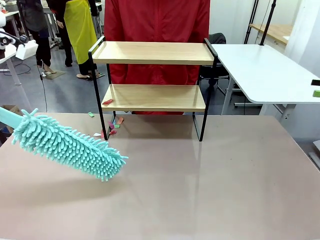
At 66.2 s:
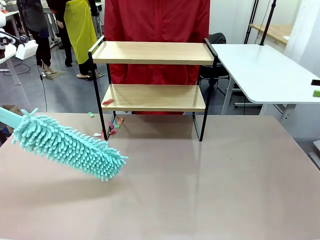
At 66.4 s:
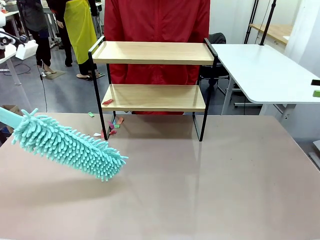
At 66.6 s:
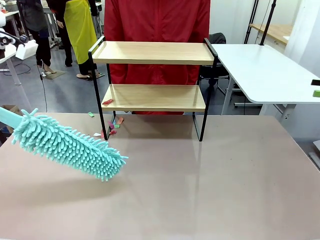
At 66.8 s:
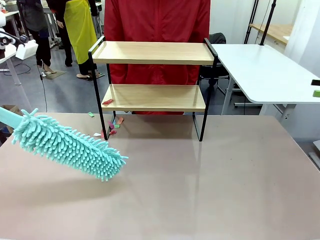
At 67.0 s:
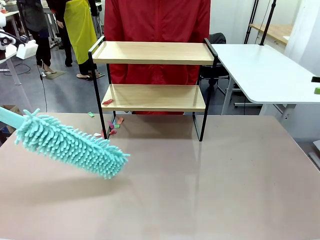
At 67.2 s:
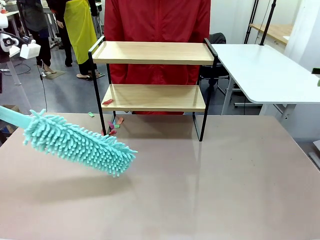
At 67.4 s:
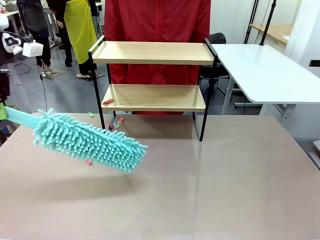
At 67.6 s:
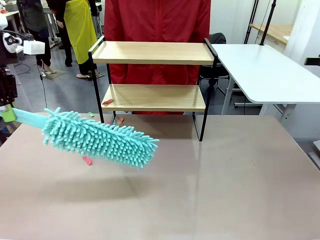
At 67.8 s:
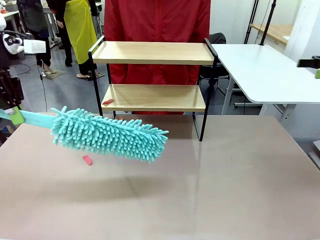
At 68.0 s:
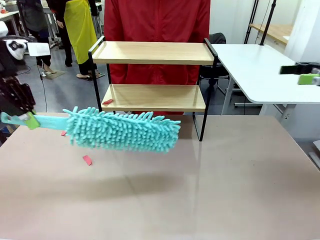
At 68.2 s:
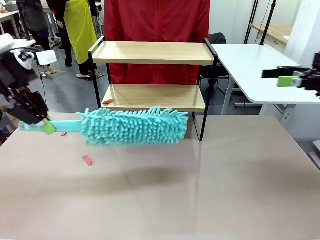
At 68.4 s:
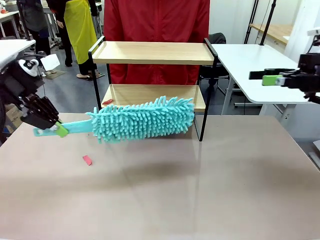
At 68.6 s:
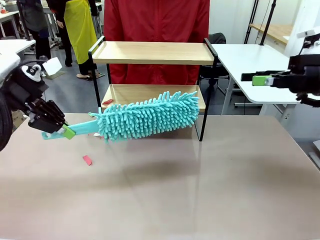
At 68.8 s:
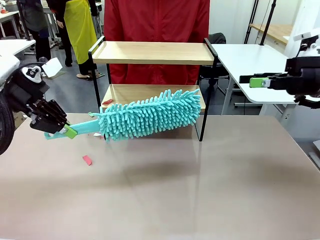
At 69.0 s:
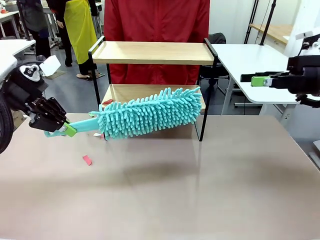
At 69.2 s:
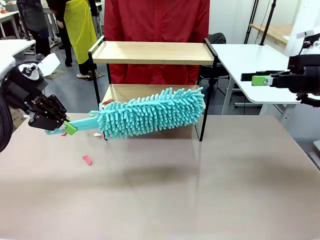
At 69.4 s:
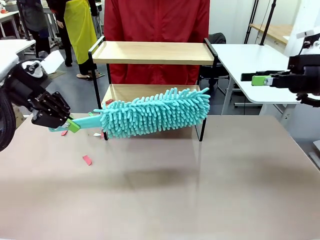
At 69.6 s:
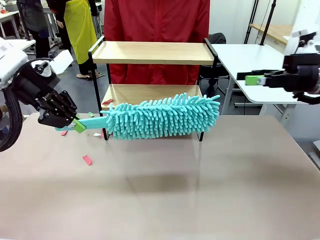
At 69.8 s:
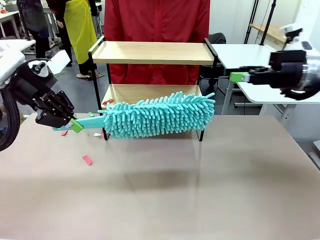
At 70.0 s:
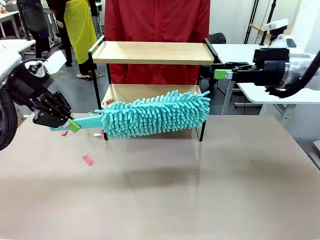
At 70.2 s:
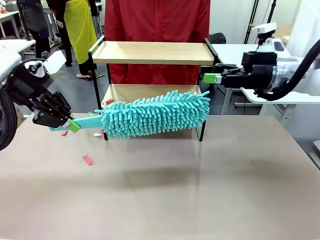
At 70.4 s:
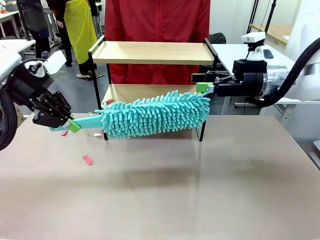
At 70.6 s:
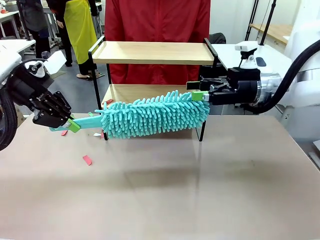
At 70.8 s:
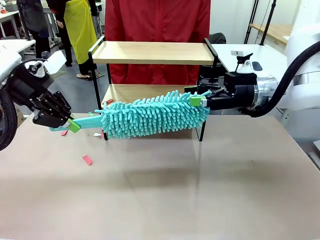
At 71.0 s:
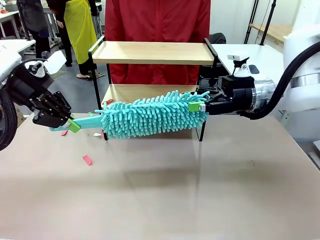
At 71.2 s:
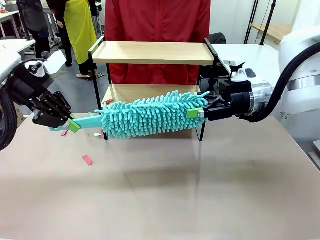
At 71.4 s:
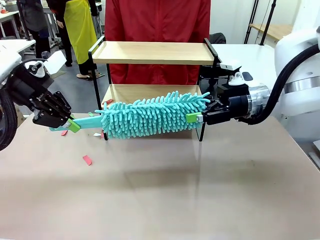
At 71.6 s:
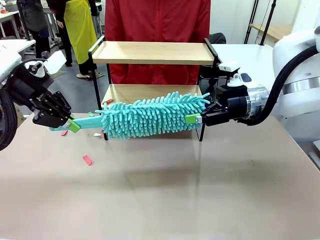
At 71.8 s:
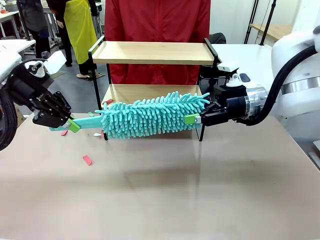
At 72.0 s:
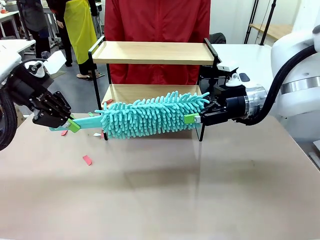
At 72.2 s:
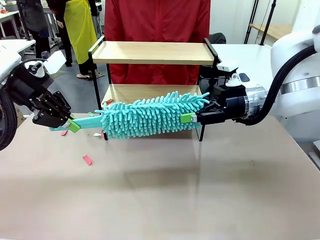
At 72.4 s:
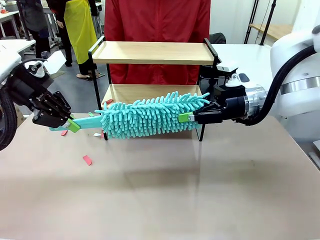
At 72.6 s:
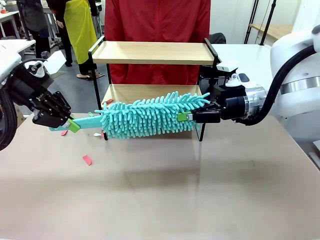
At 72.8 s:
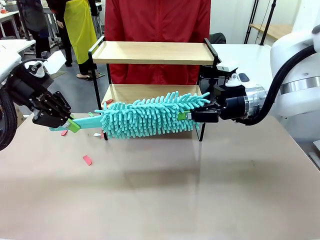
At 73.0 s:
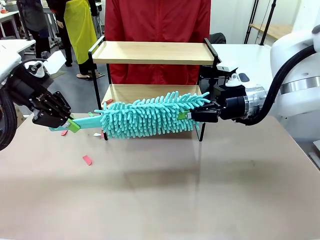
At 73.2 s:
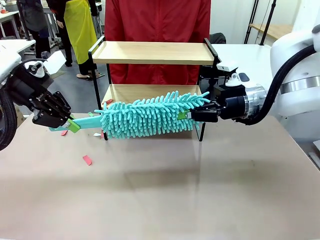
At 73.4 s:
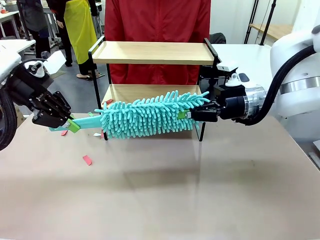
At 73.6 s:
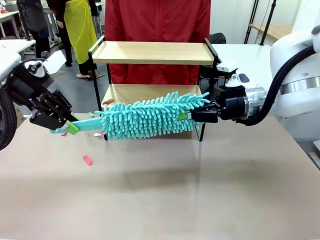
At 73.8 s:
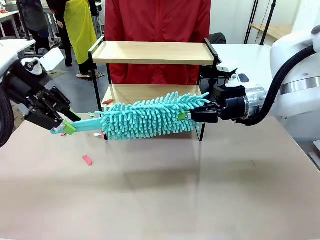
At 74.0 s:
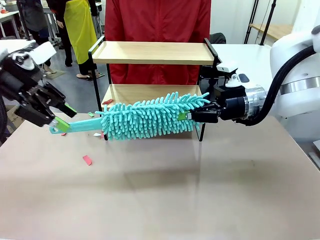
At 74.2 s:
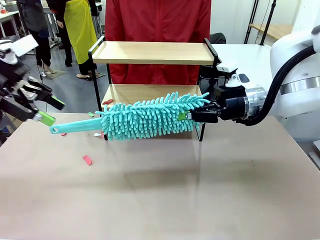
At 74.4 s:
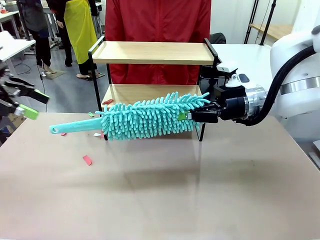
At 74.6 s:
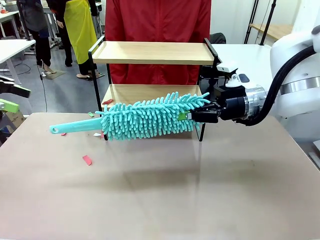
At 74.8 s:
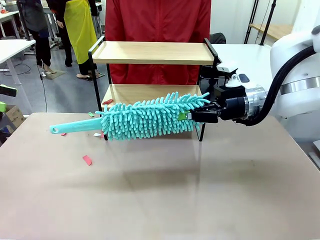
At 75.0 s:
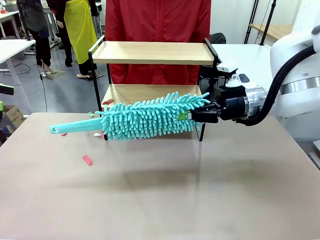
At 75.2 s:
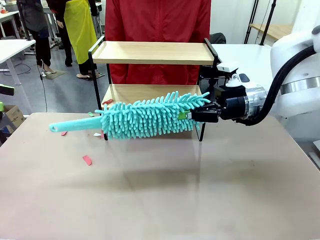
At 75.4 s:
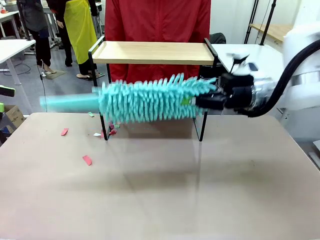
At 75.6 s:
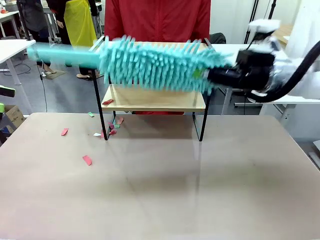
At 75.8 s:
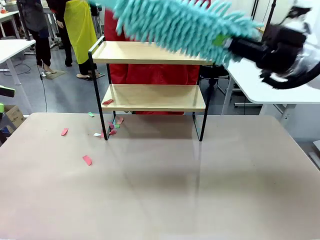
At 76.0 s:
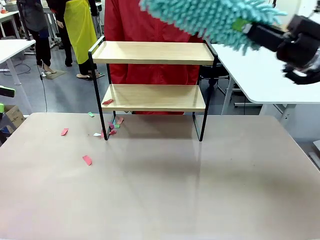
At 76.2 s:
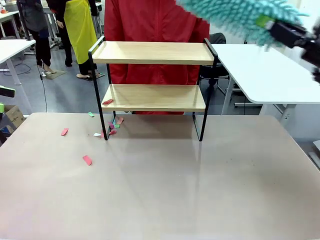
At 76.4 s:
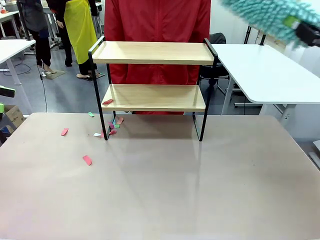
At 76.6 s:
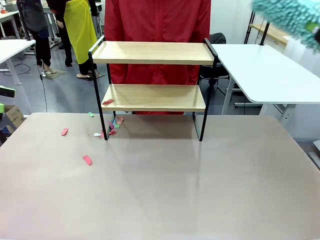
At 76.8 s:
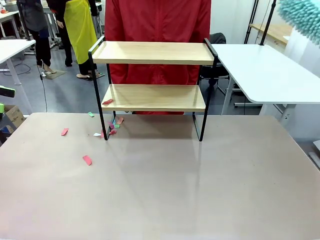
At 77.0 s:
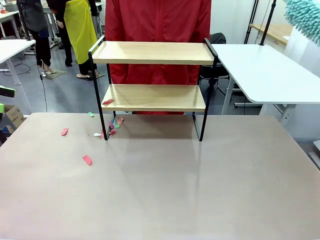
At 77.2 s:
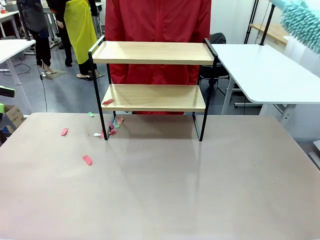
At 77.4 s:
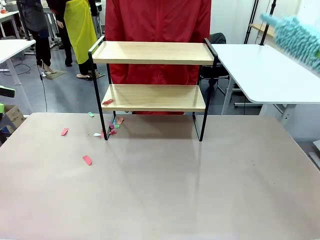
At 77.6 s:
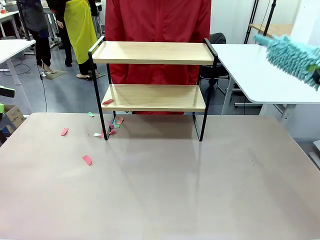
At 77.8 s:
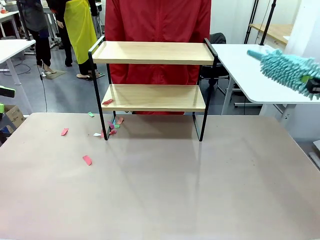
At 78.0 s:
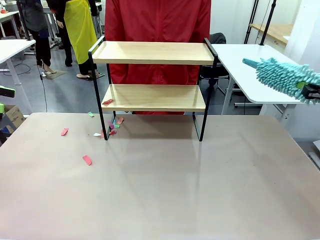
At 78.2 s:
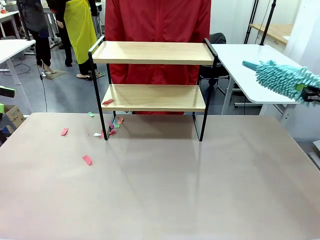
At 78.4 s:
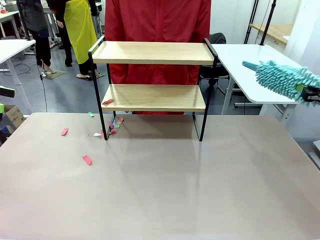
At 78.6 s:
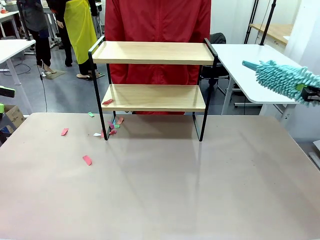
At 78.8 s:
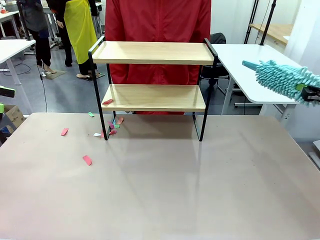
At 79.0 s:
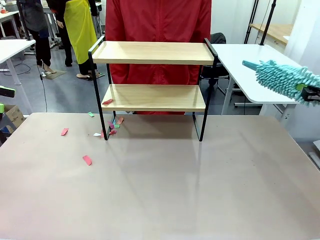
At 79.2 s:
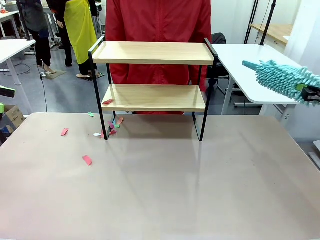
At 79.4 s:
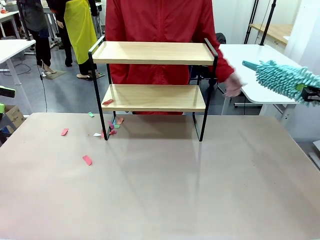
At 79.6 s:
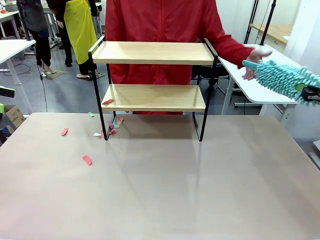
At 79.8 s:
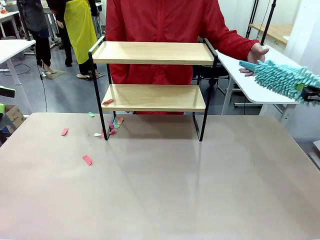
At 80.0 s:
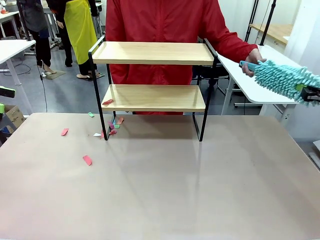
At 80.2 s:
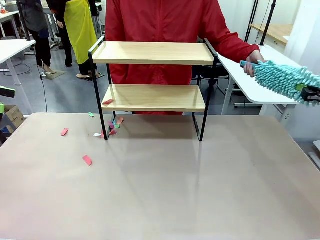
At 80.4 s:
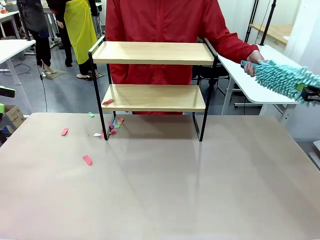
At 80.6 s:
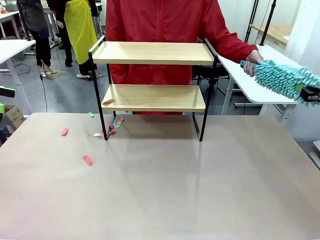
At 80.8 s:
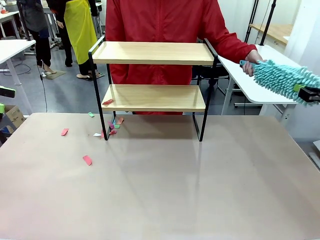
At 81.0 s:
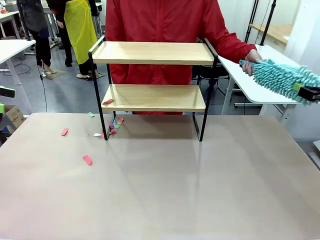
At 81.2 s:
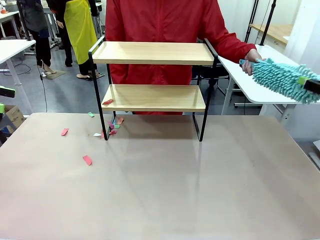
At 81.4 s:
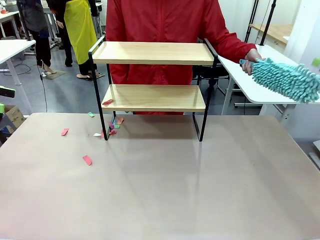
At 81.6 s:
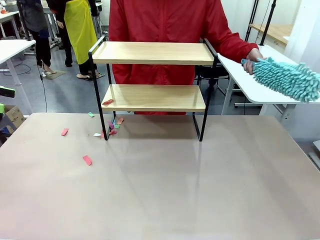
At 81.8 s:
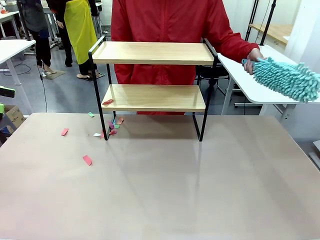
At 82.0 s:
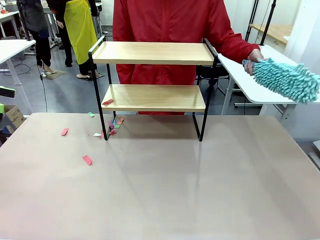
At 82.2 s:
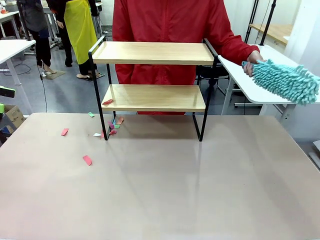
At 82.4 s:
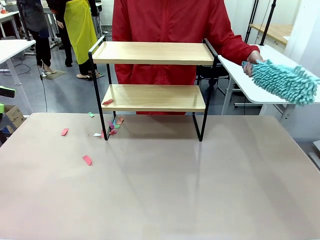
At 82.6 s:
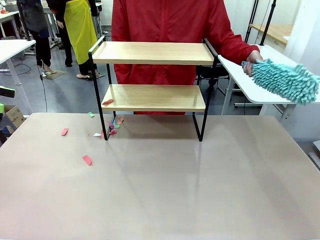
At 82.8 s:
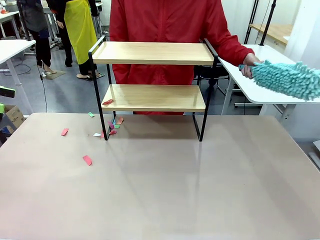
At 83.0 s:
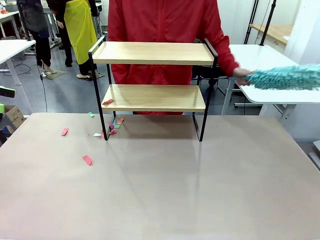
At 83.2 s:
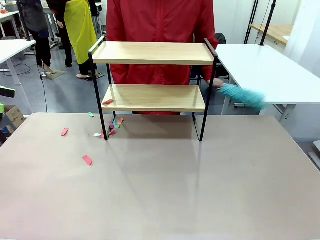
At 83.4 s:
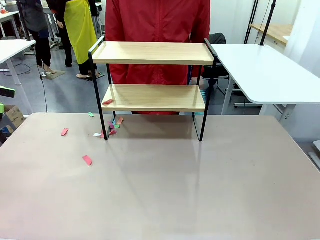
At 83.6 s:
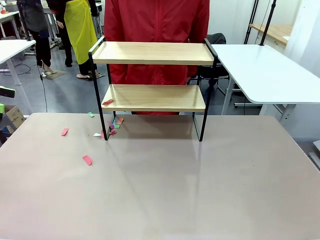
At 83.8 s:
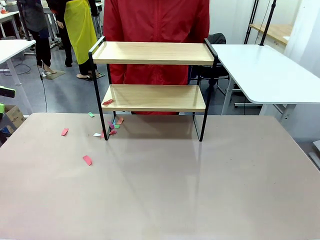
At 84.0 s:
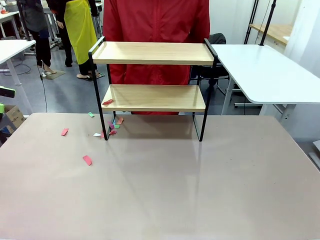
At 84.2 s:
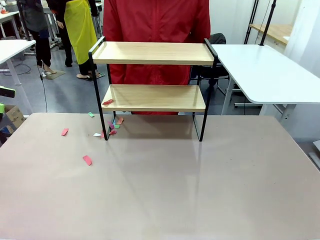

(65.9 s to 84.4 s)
Task: Clean the shelf.
Robot: Hand the Duster back to the human.
Person: Receive the Duster from the robot.
